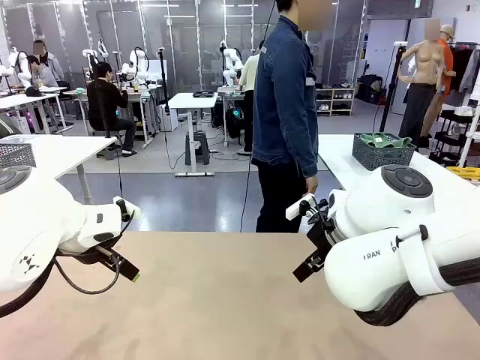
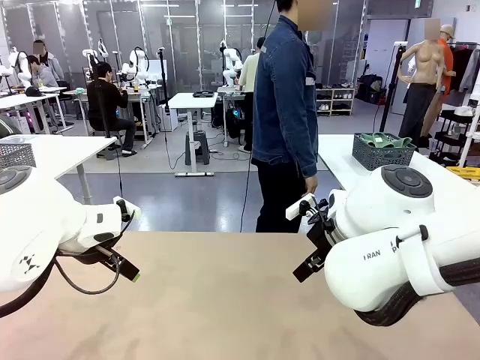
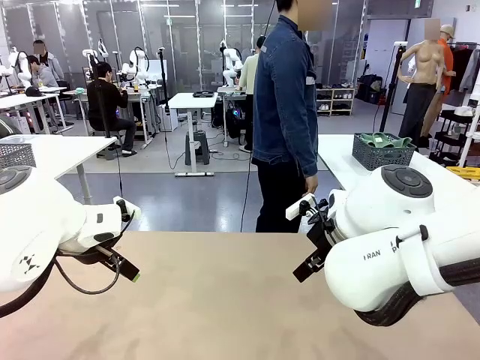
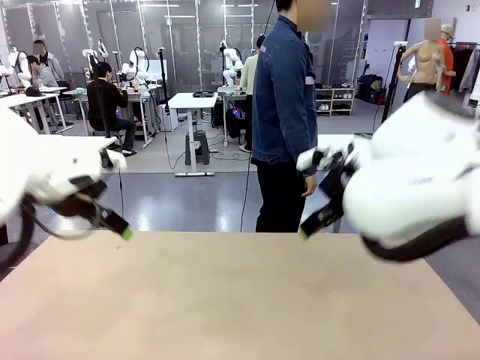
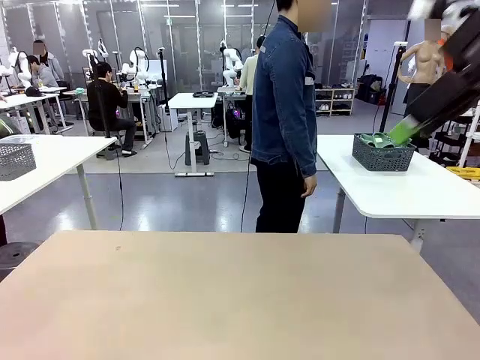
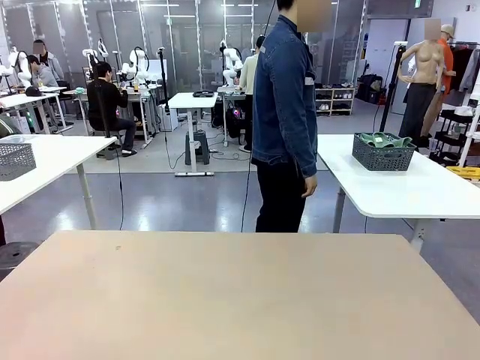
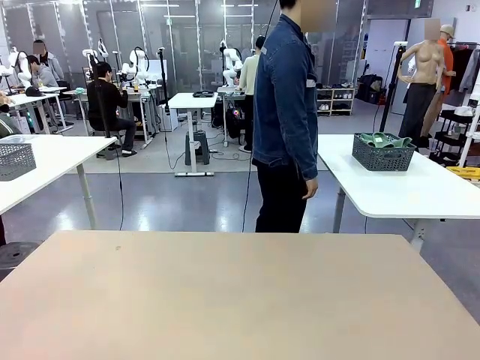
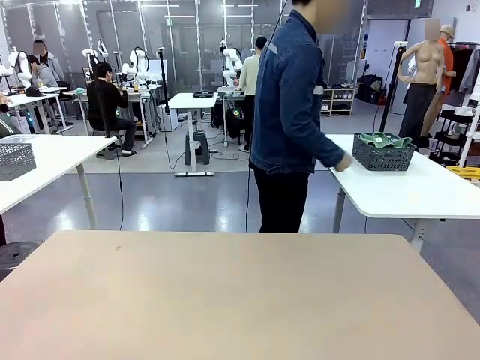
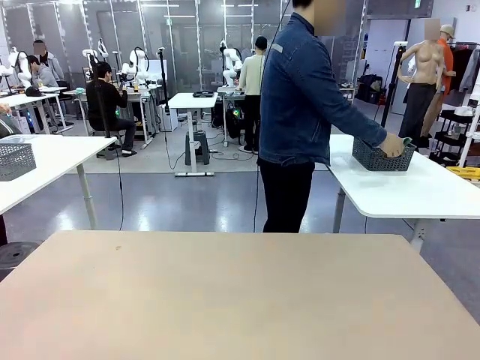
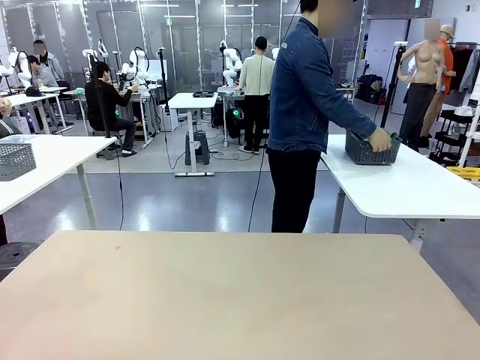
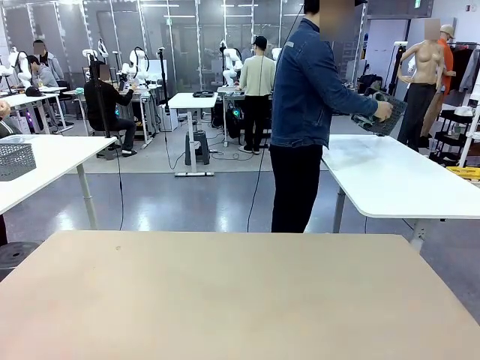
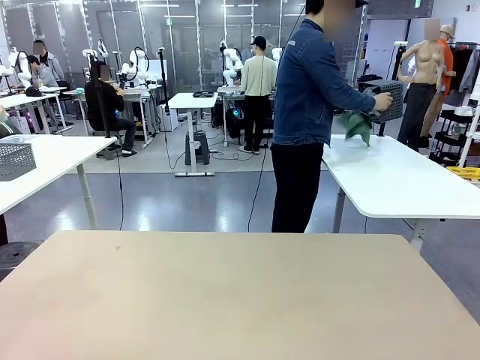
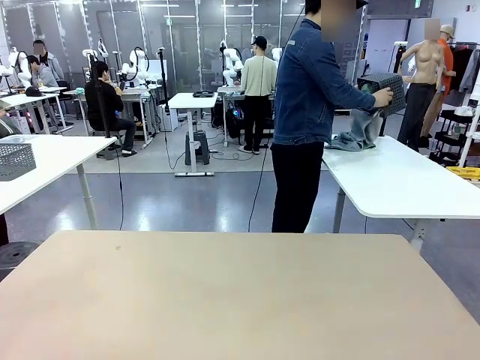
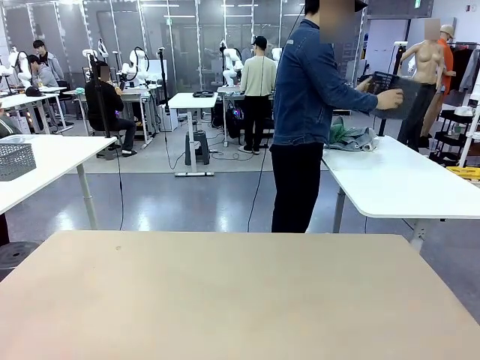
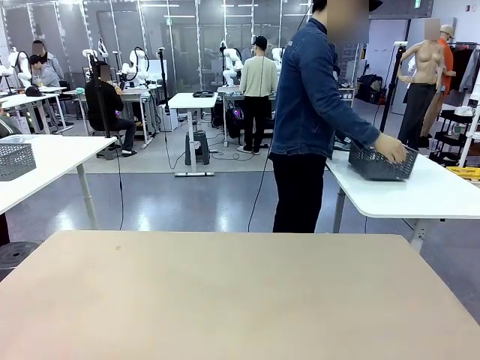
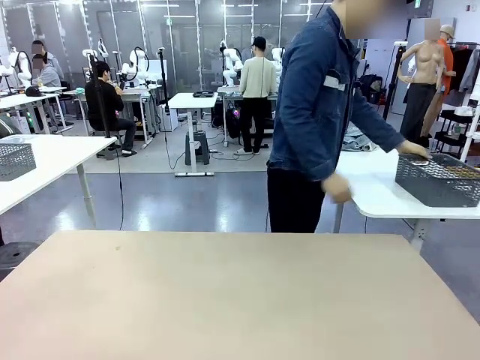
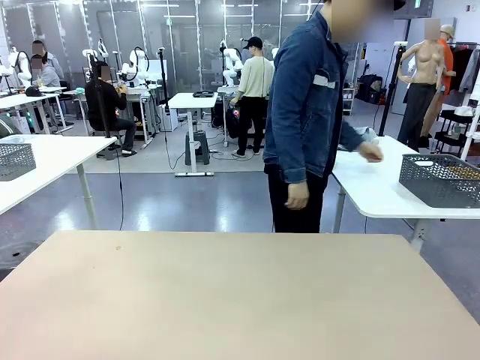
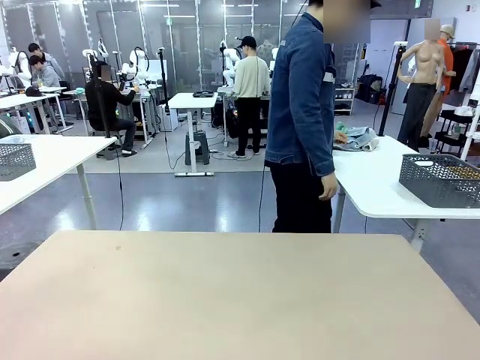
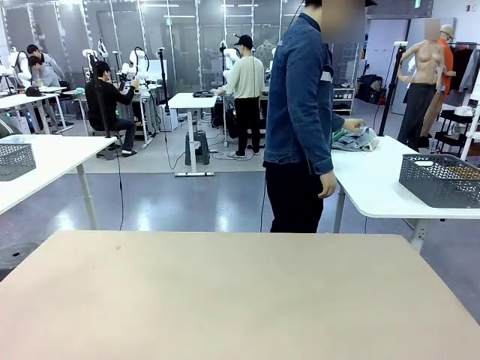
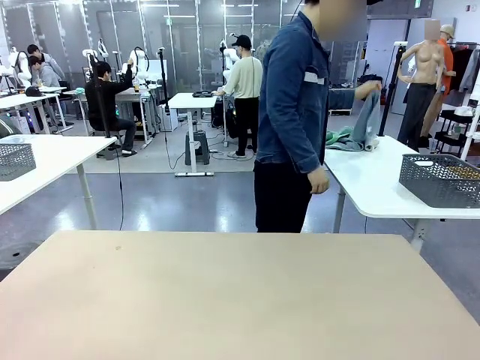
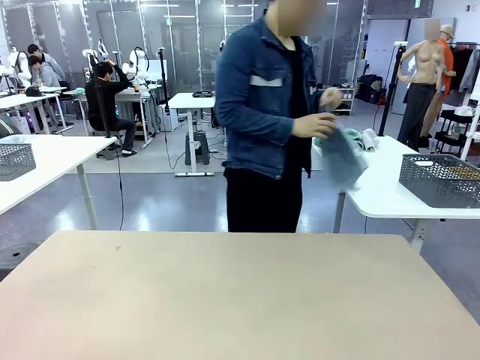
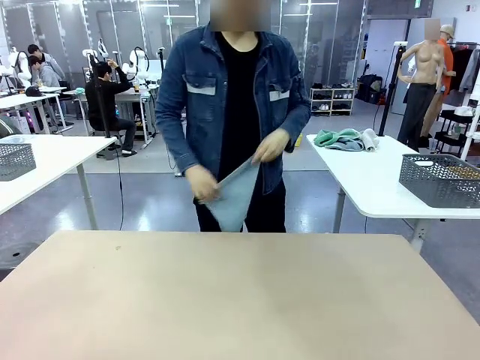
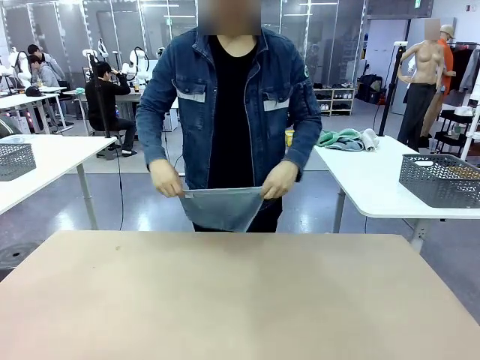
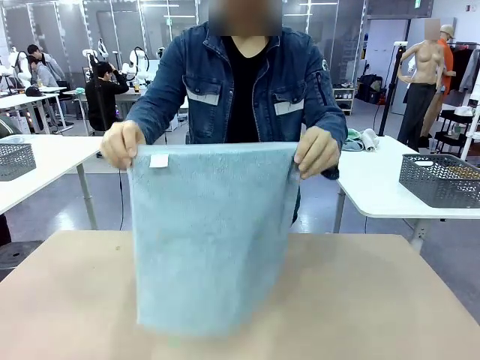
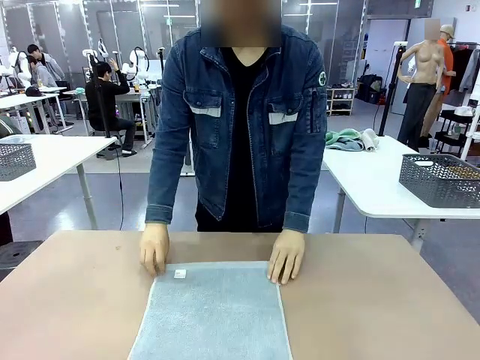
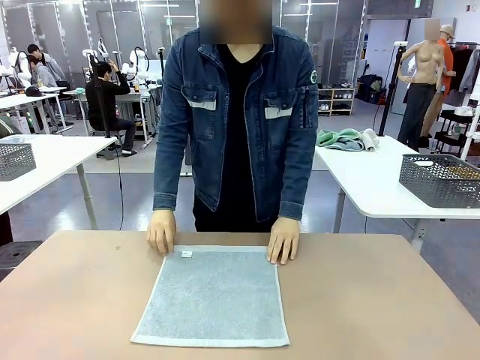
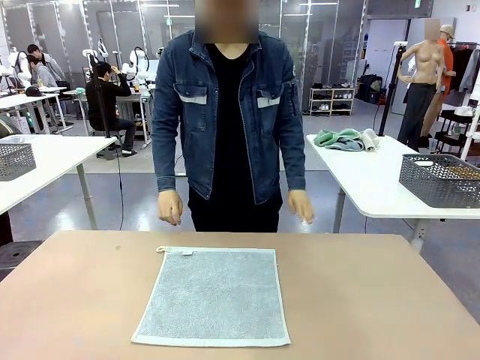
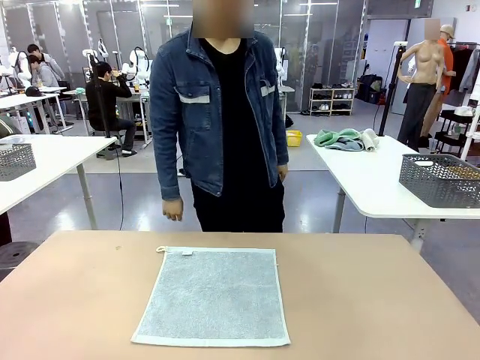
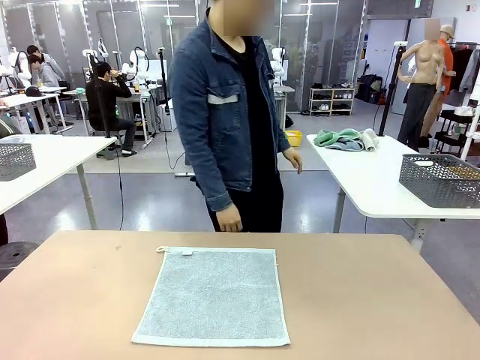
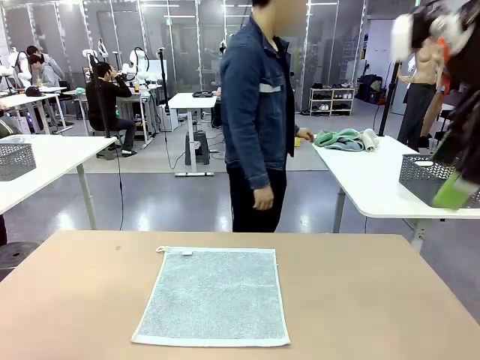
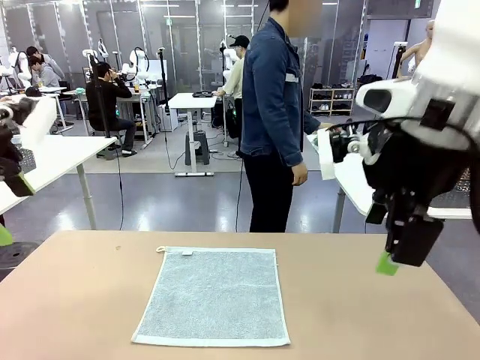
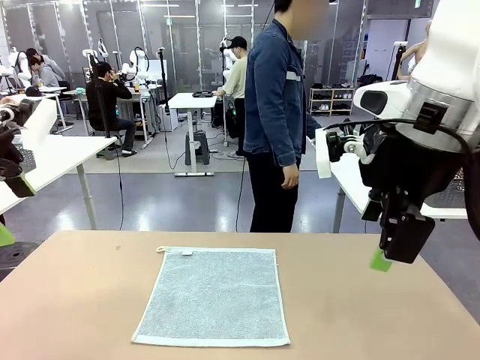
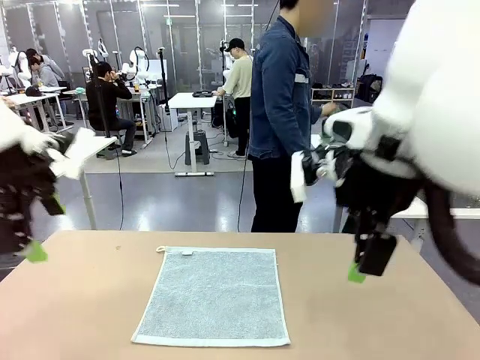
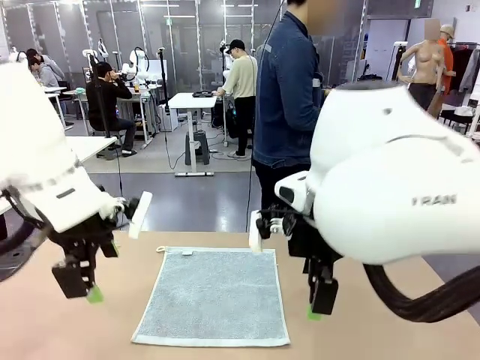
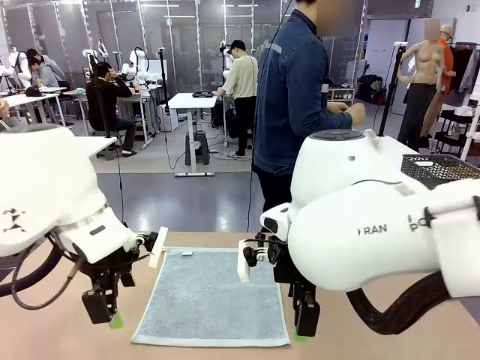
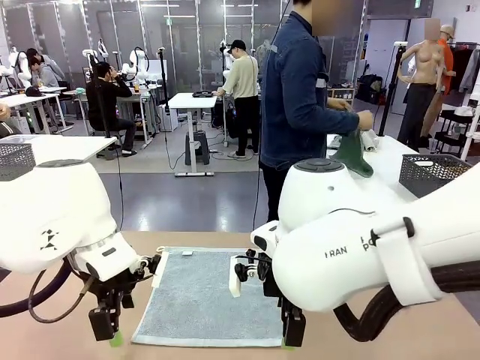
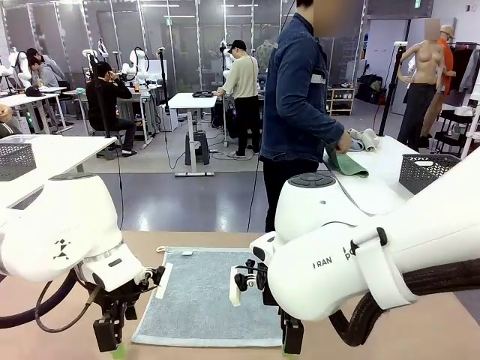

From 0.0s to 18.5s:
Task: Fold the towels and place them in the basket.
Robot: When a person lays out a Towel with hook on the table, fold it in half twice.
Person: Pick up the basket, pour the towels onto the left side of the human table, and place the basket on the right side. Pick up one towel and spread it out at the center of the robot table.
